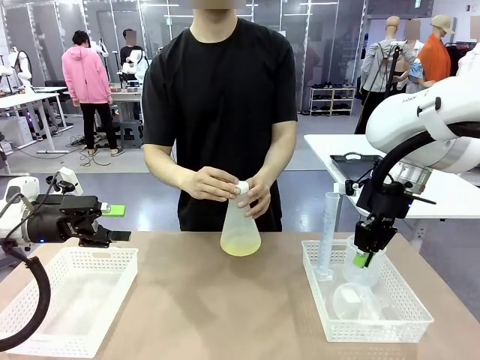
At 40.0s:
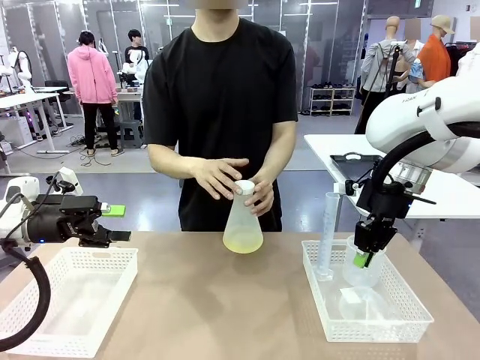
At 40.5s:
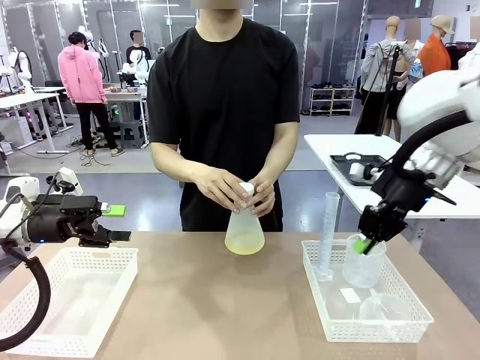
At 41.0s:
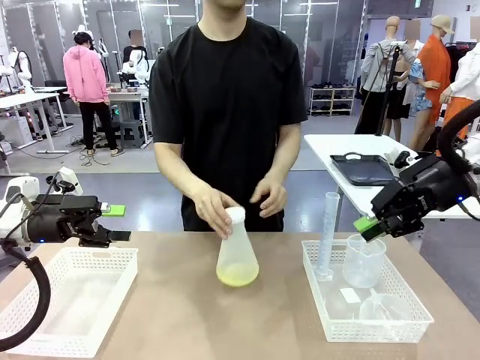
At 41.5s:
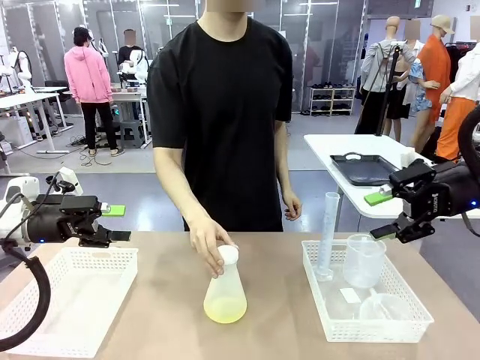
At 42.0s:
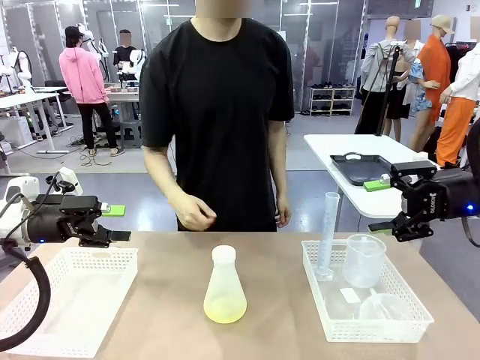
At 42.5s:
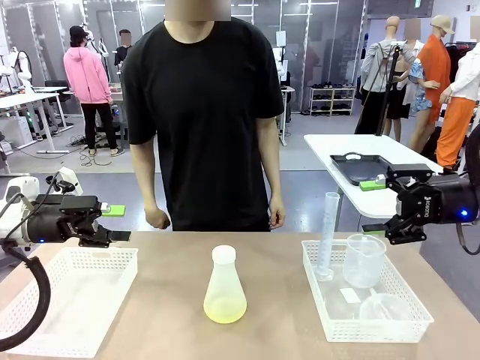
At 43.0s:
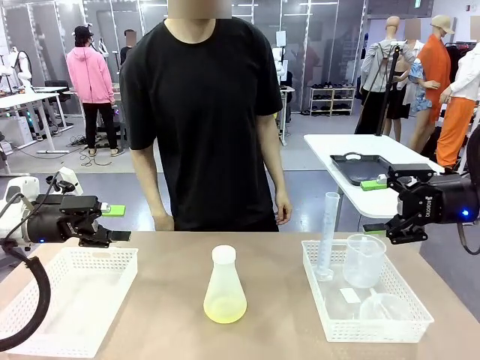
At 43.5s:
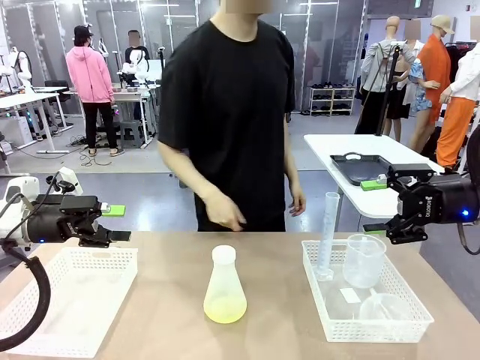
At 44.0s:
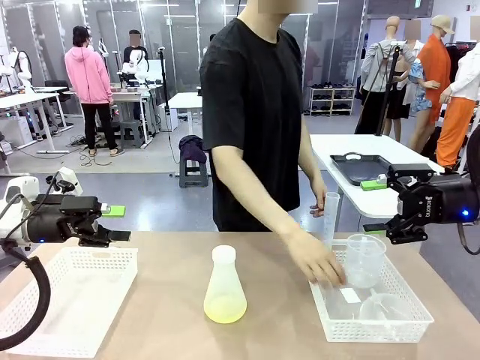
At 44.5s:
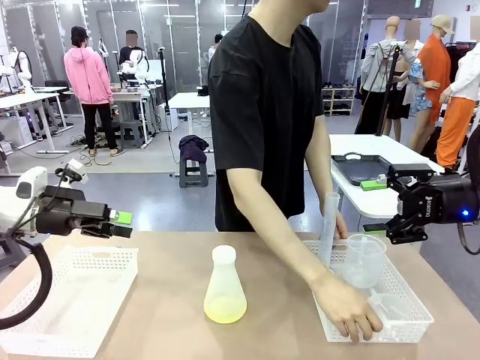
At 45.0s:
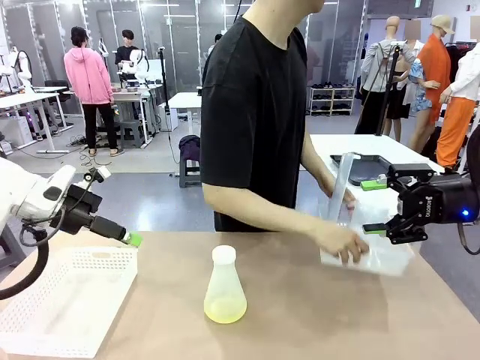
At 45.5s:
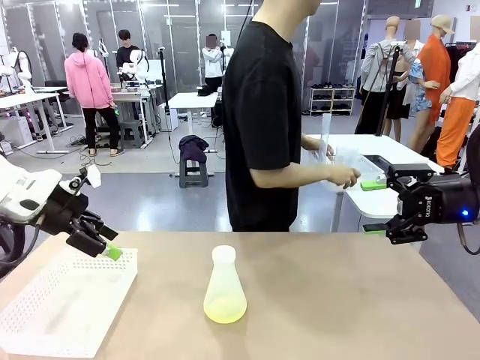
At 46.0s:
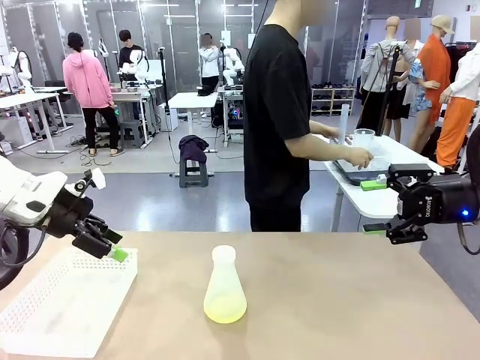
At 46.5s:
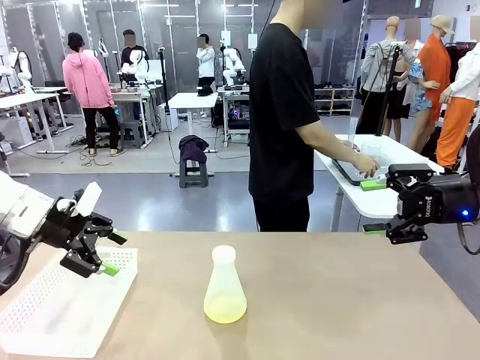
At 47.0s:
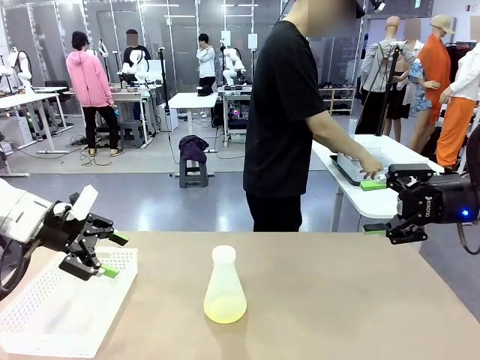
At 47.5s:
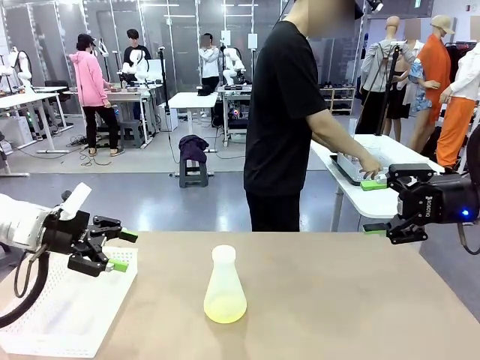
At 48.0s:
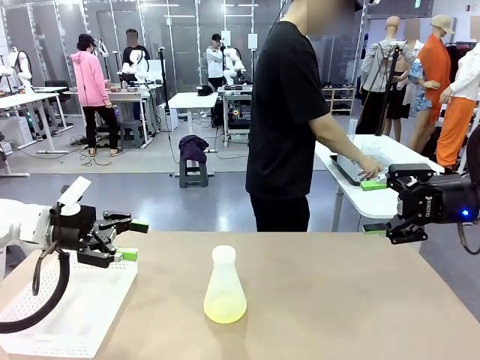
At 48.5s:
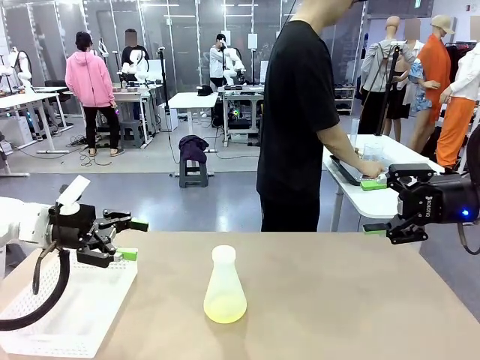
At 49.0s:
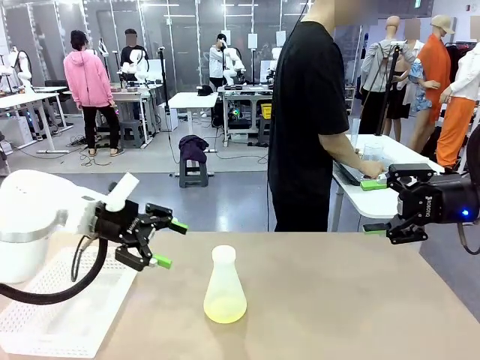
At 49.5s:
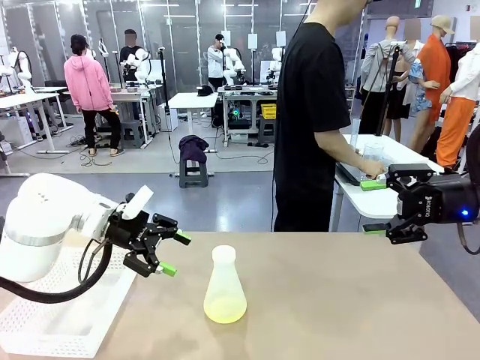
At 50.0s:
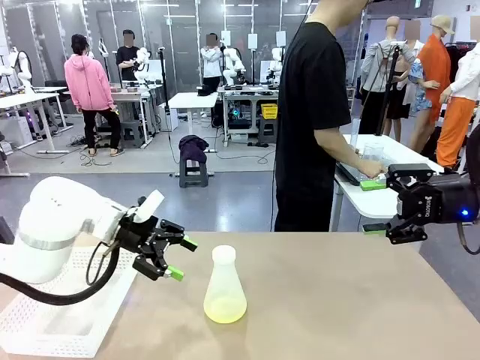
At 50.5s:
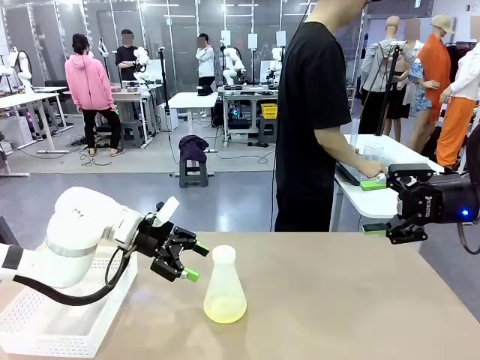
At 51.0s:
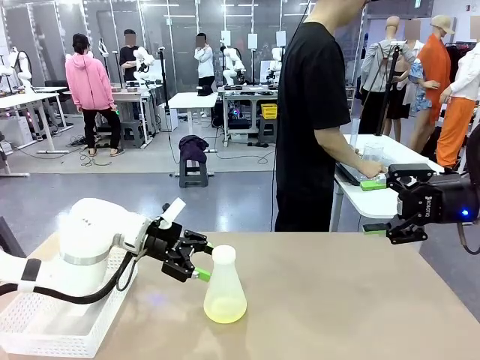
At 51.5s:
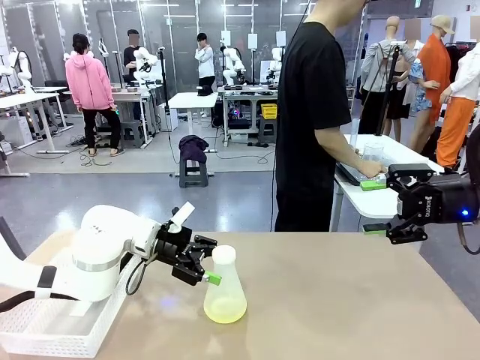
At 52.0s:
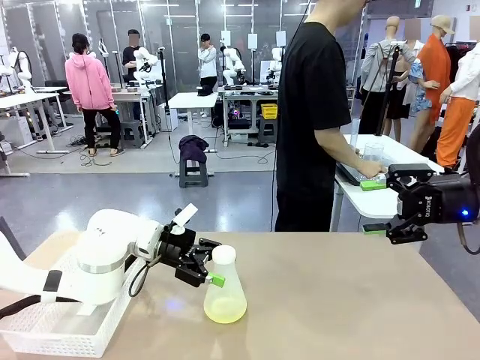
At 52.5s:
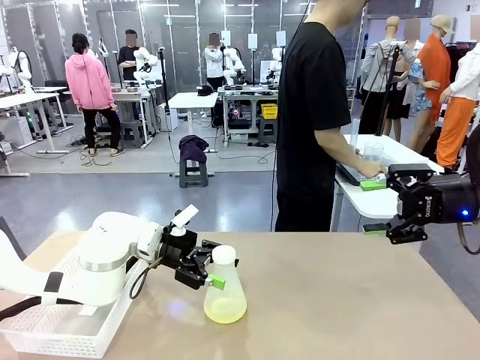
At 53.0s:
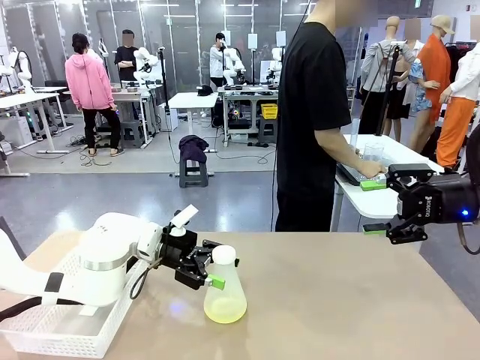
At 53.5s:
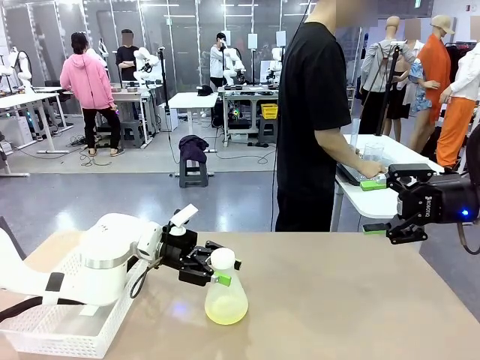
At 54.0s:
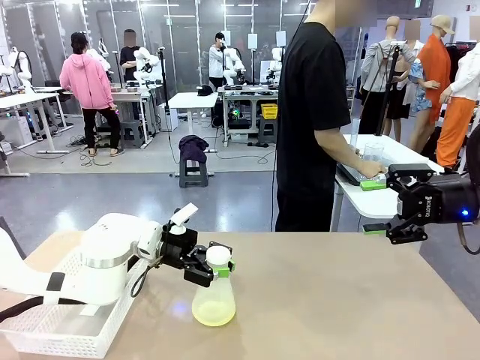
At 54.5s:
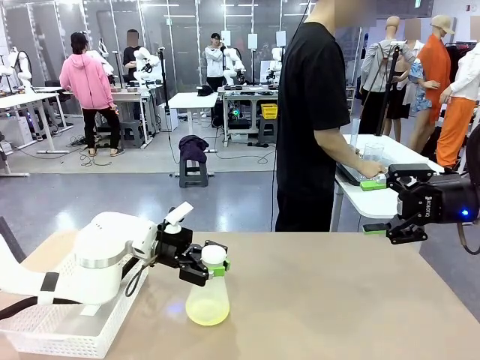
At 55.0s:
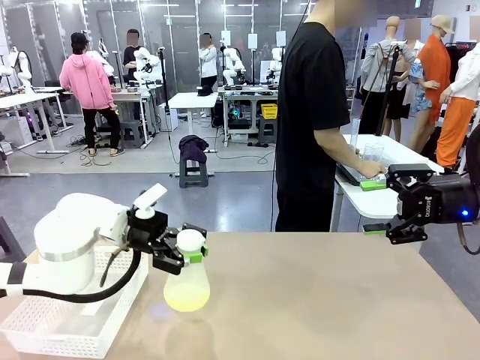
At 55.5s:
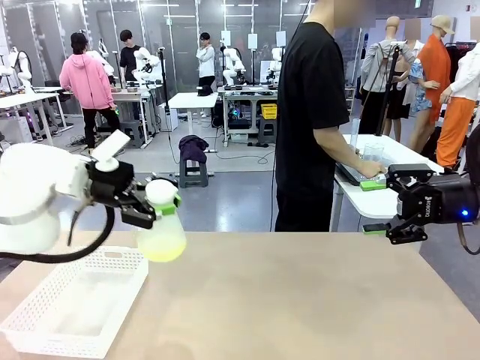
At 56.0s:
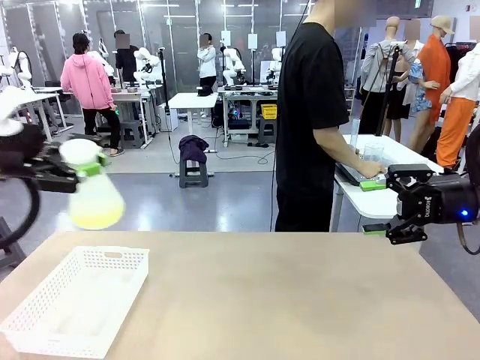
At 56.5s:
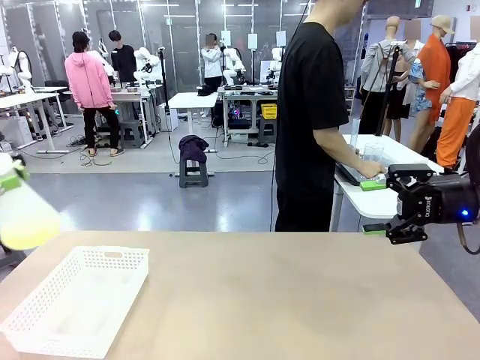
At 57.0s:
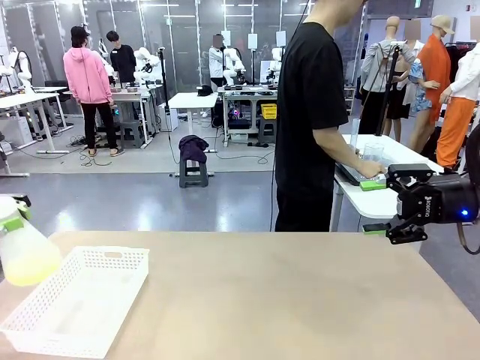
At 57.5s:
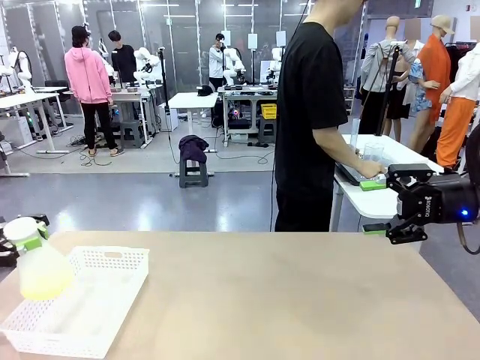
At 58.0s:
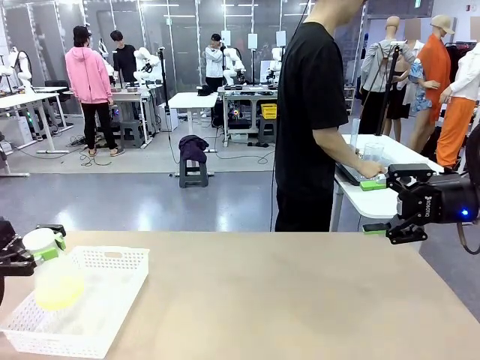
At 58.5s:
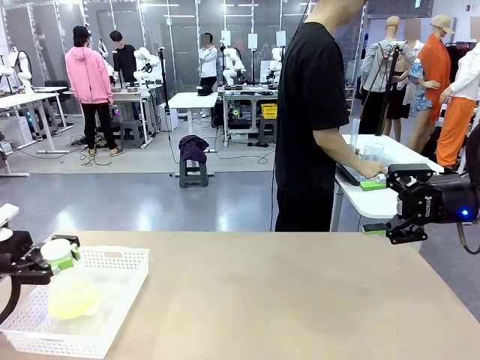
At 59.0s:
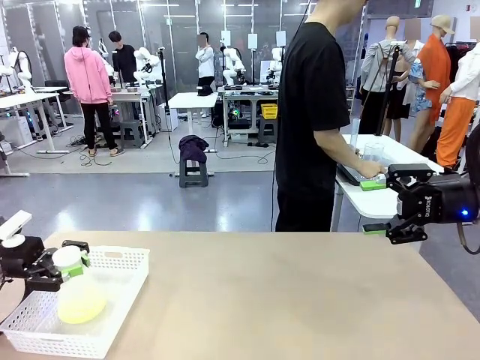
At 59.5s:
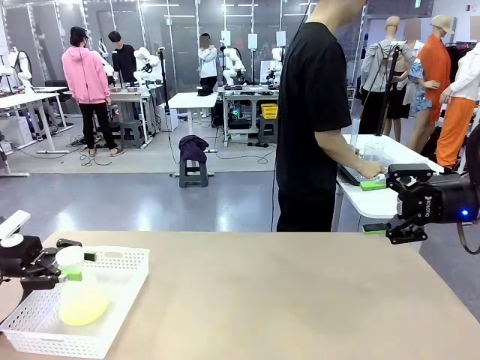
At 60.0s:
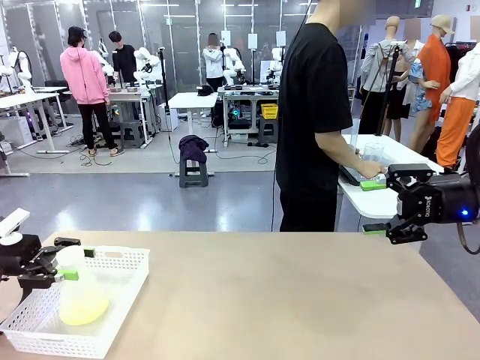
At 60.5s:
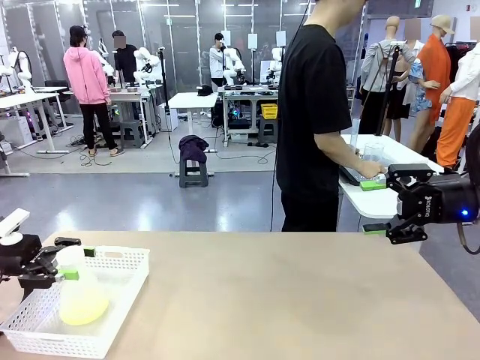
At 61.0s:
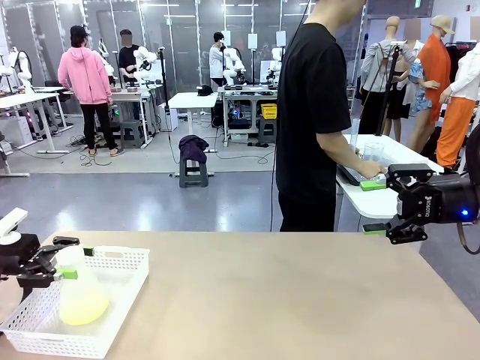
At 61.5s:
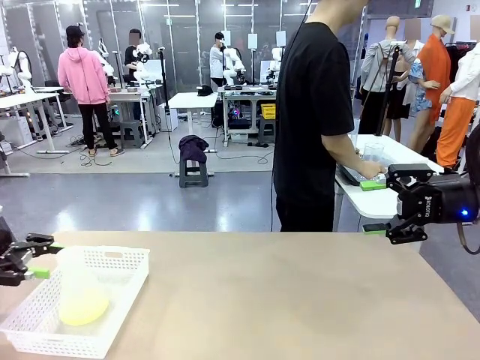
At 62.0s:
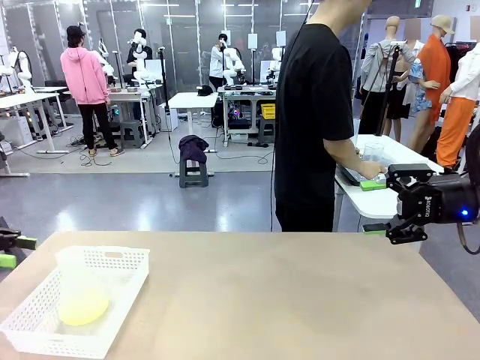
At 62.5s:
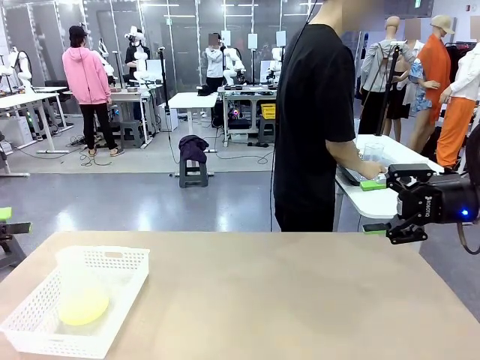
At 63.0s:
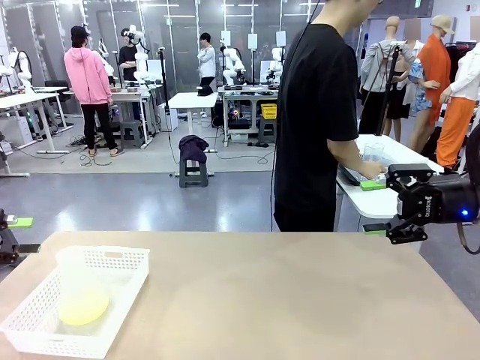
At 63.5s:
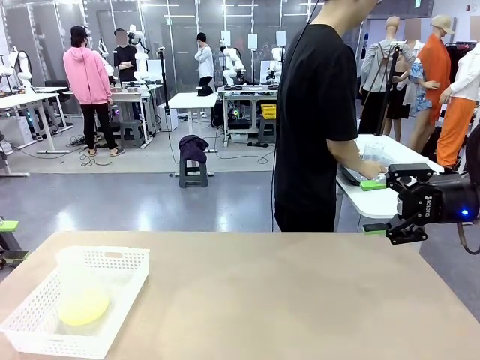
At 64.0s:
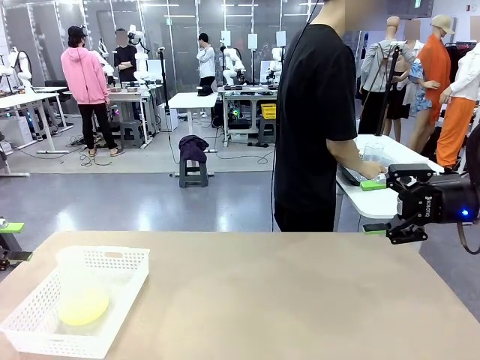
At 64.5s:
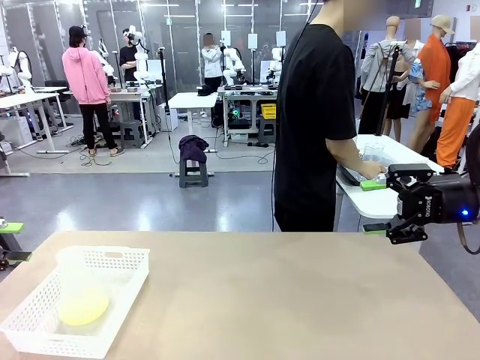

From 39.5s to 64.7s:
Task: Prepare the solutions needed for the experiment.
Robot: When the human places the Big flask in the center of the table, pick up the Big flask and place it in the left Organizing basket.
Person: Pick up the organizing basket on the left side of the robot table and place it on the left side of the human table.
